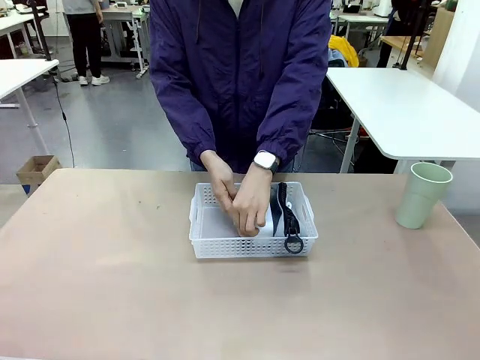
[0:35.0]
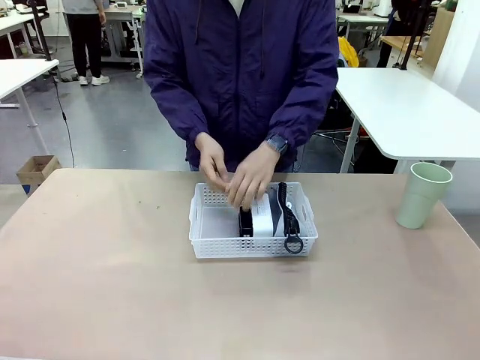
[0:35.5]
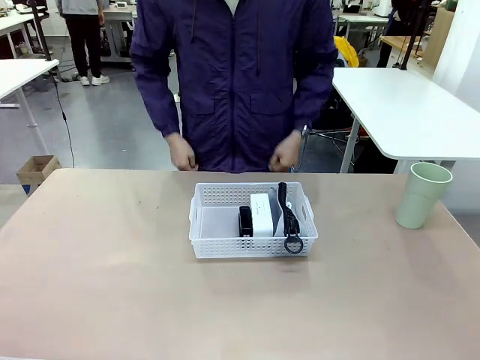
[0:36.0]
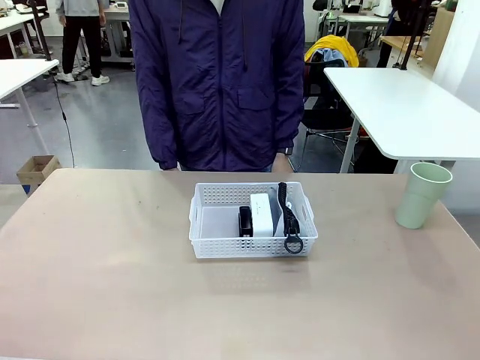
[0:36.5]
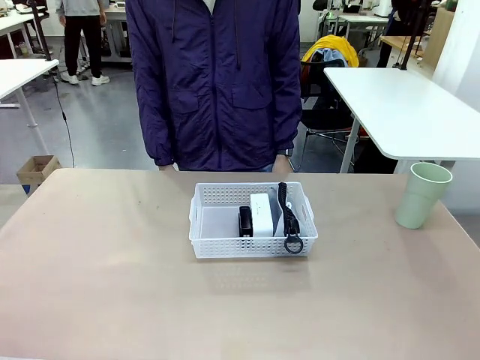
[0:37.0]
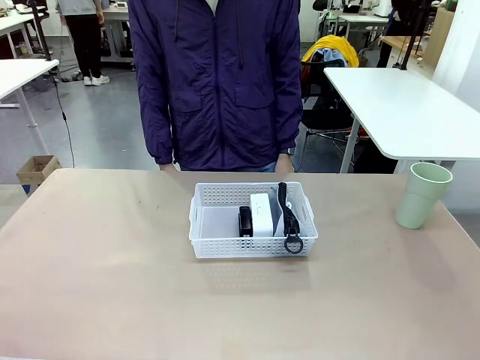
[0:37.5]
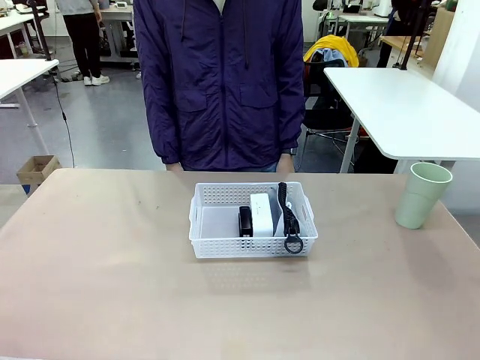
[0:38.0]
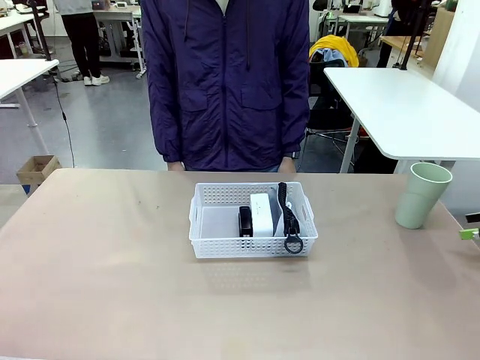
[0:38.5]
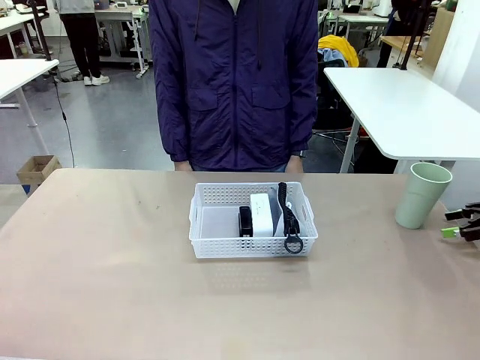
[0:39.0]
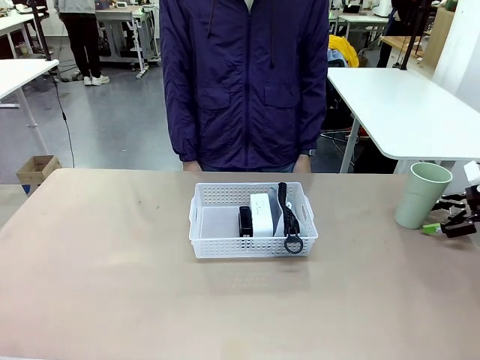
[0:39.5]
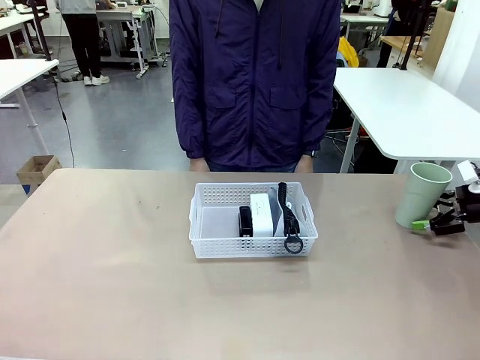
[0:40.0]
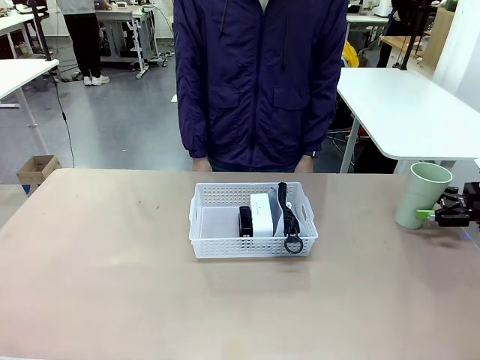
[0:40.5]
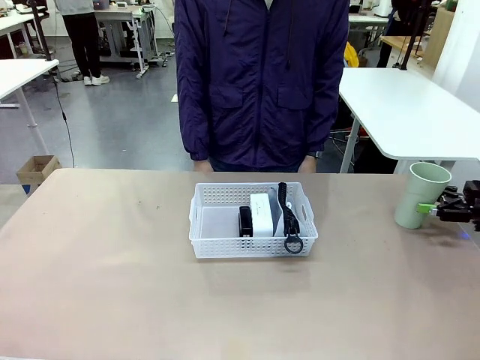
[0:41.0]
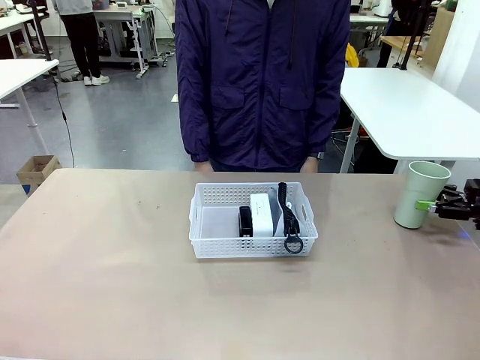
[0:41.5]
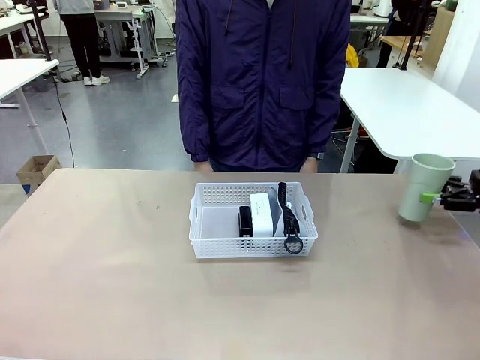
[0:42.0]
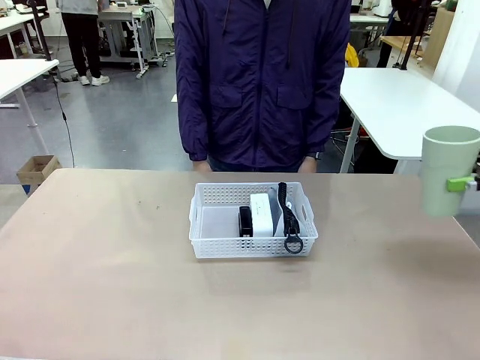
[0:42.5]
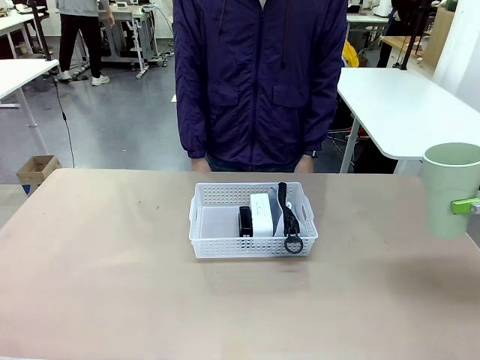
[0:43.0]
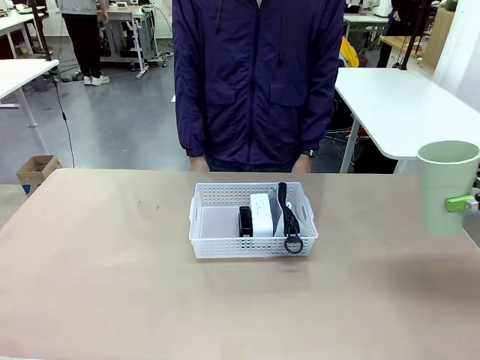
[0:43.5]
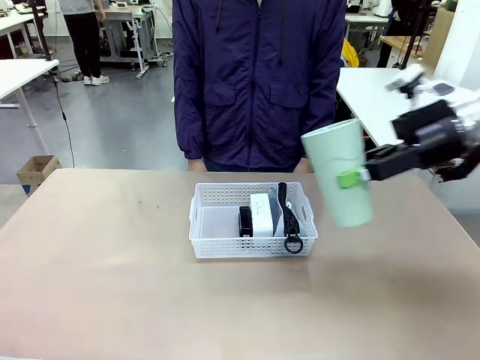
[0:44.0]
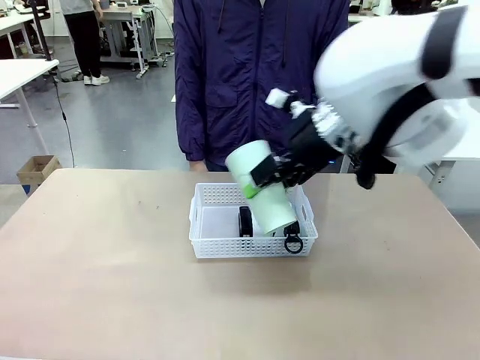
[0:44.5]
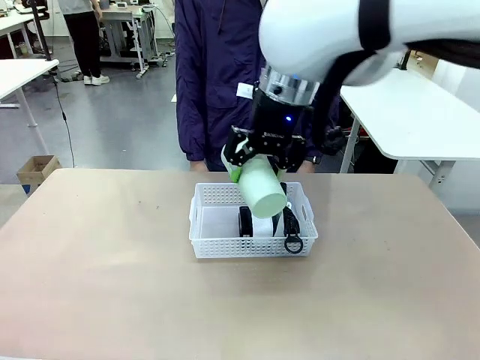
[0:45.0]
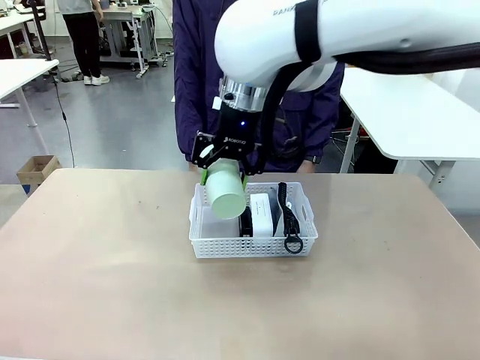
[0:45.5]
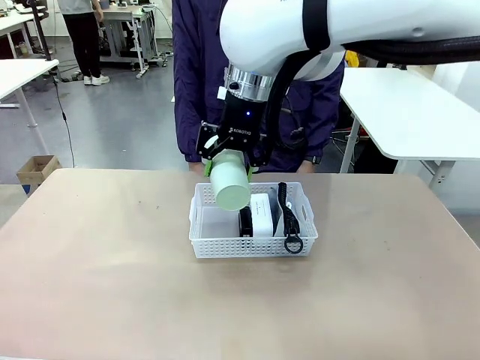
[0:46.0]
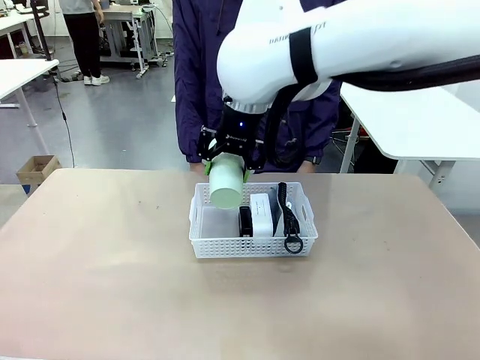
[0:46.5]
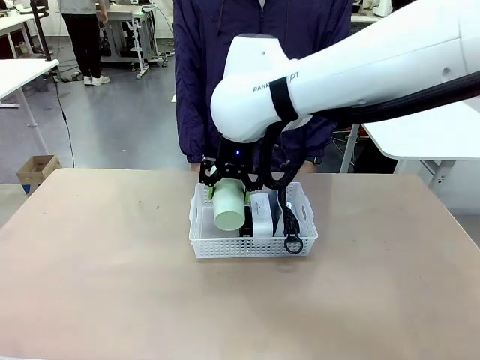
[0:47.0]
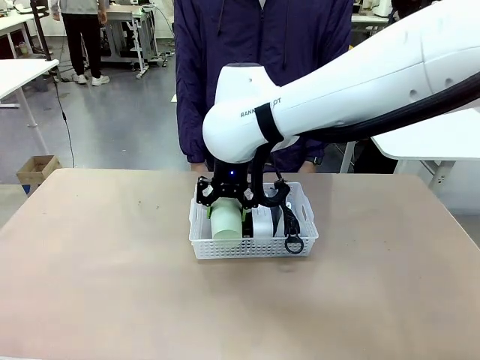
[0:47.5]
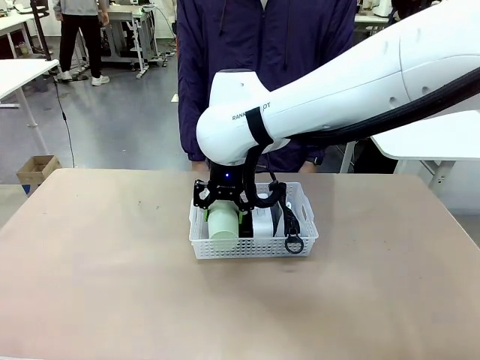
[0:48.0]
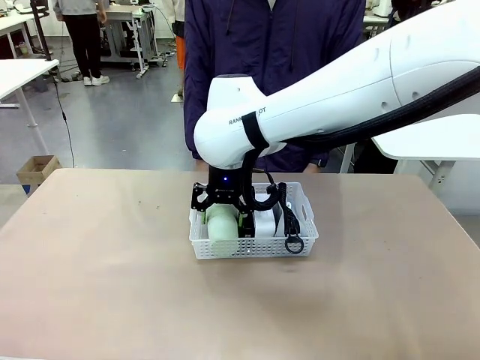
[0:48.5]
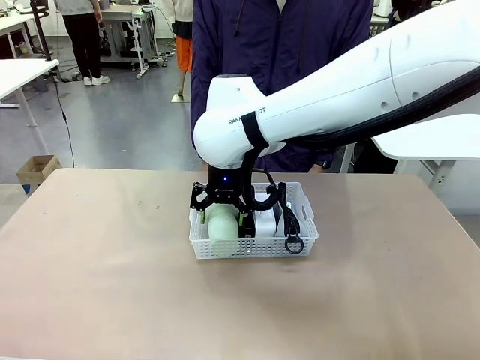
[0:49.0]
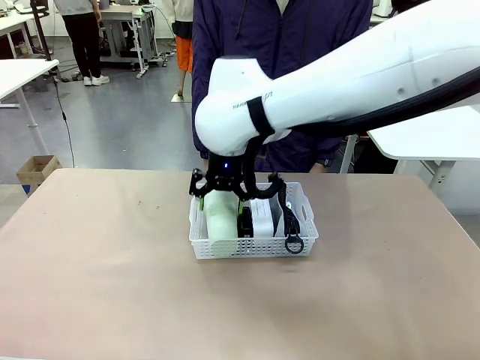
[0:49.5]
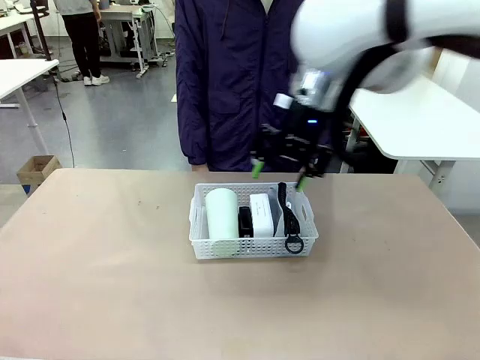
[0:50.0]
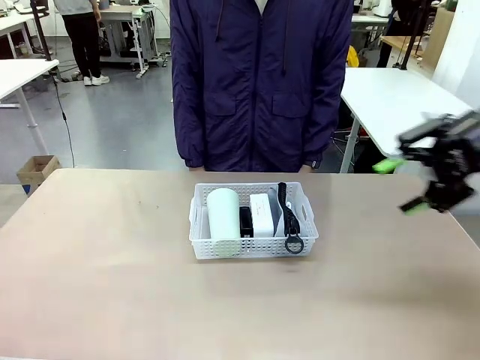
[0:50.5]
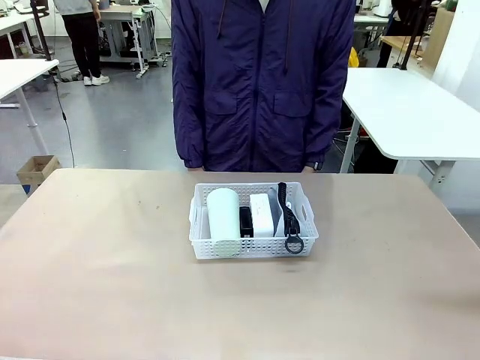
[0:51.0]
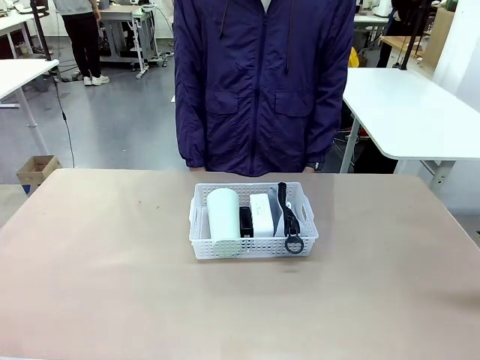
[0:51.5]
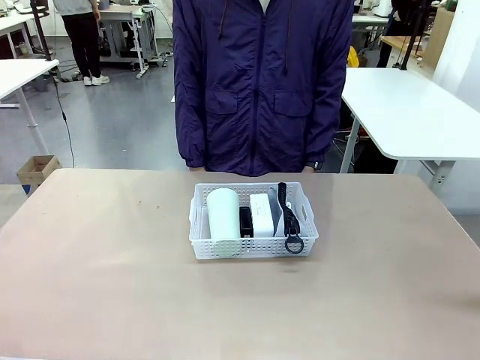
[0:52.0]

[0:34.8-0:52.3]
Task: Efficiently arrange items inside the basket to fit them all.
Robot: Pick up the Reusable plastic cup and place it inside the Organizing basket.
Person: Repositions the stapler.

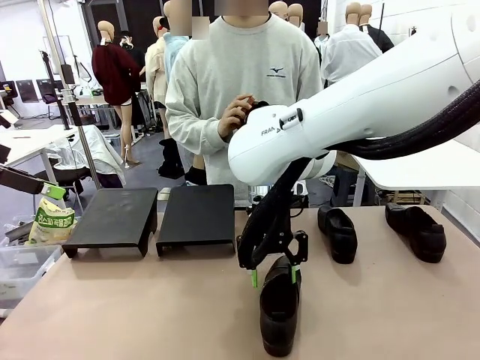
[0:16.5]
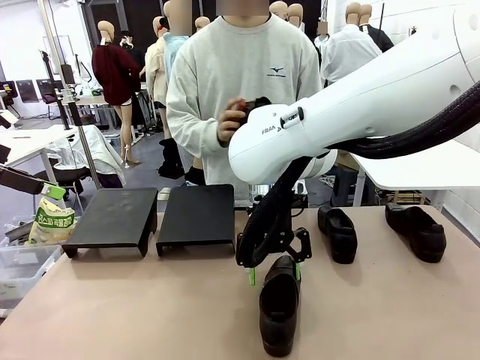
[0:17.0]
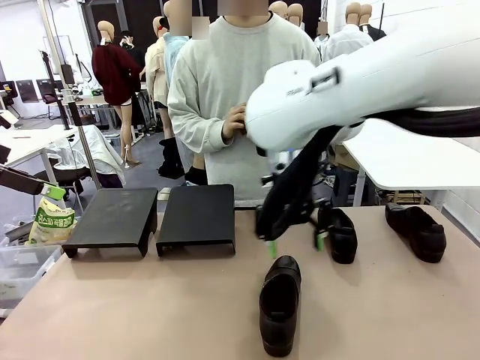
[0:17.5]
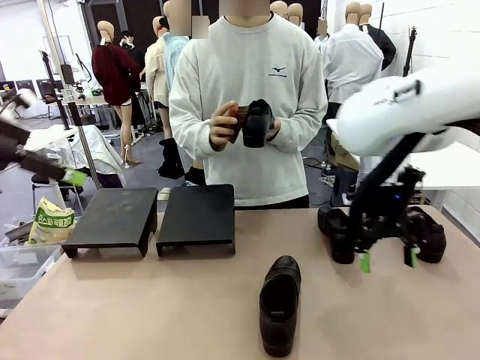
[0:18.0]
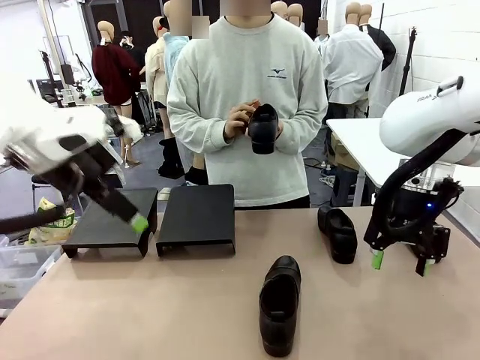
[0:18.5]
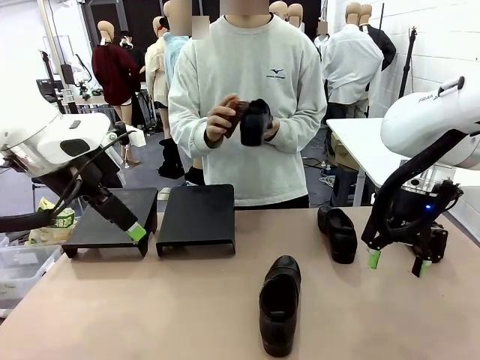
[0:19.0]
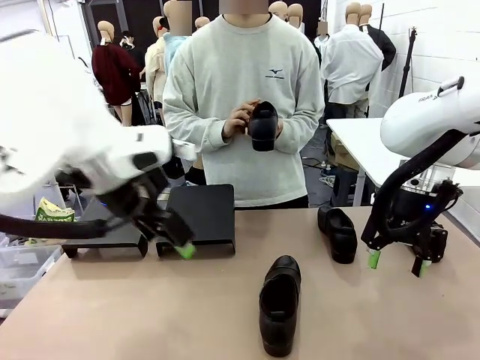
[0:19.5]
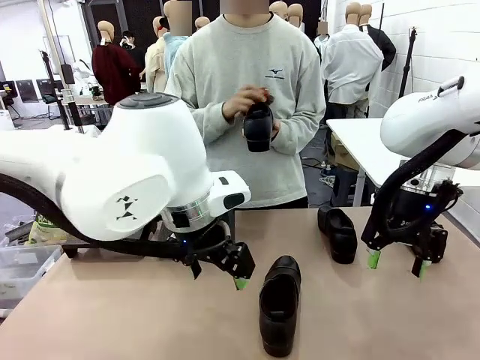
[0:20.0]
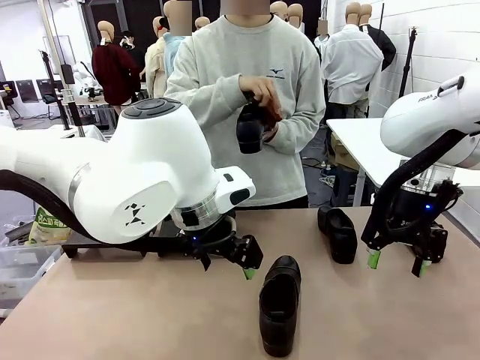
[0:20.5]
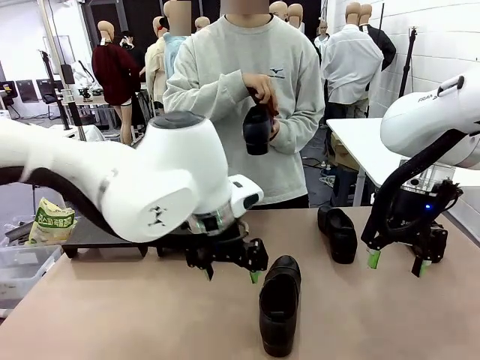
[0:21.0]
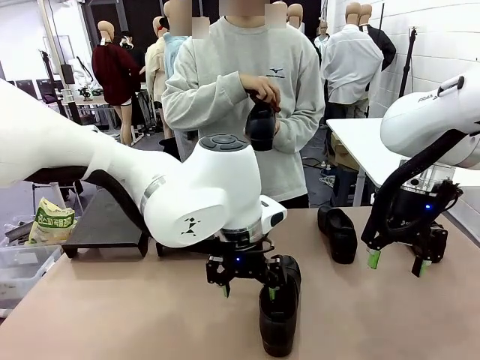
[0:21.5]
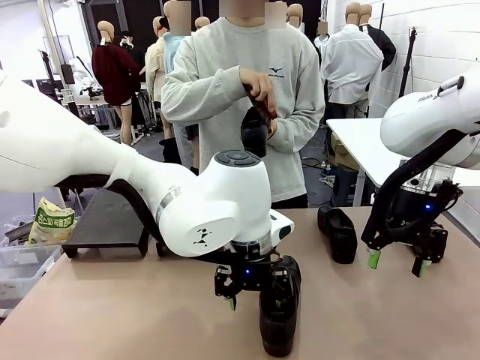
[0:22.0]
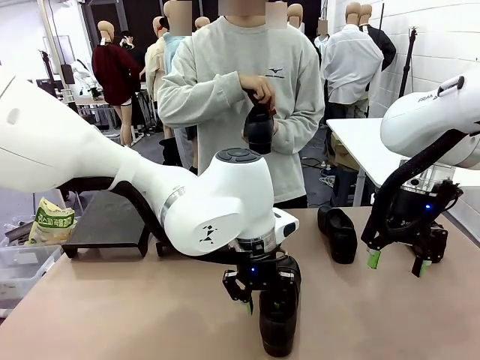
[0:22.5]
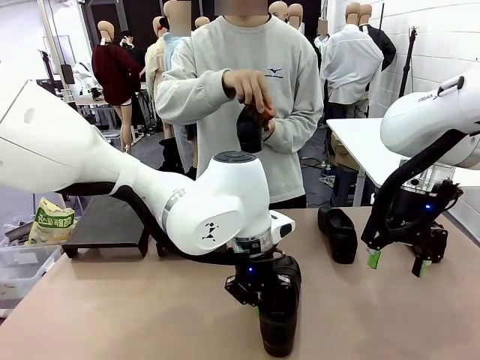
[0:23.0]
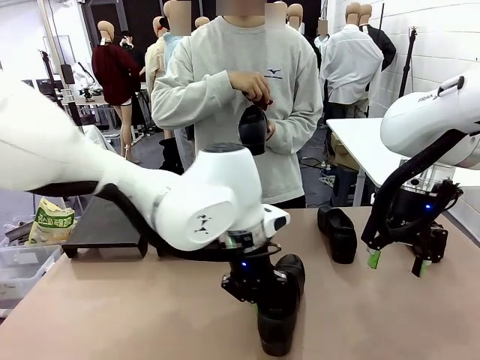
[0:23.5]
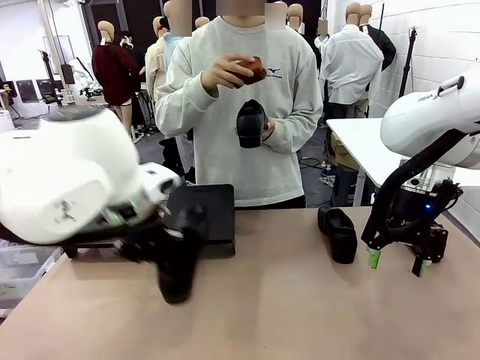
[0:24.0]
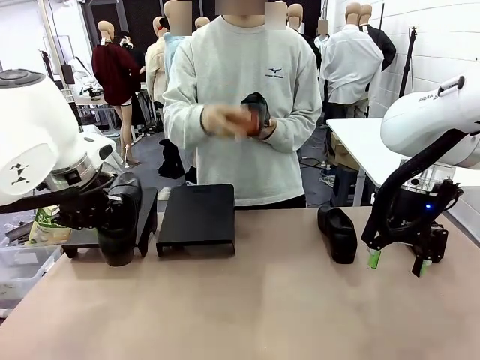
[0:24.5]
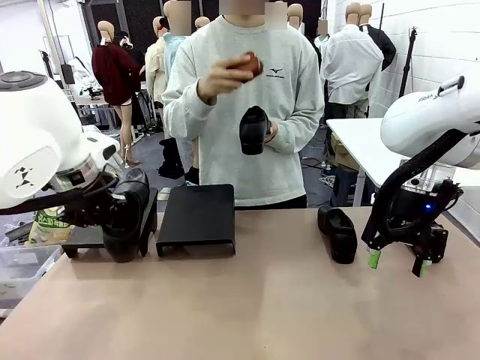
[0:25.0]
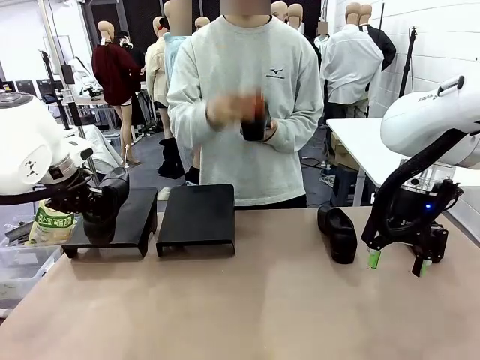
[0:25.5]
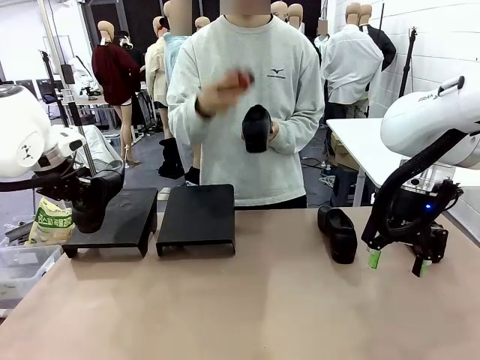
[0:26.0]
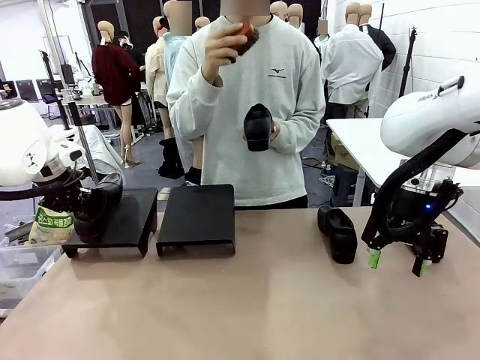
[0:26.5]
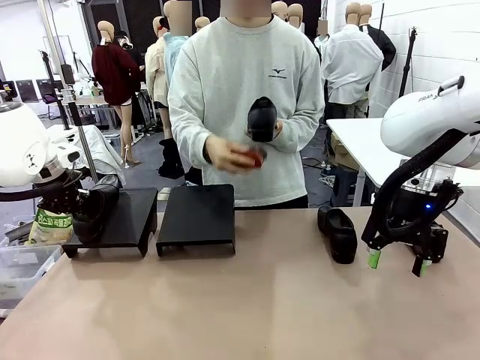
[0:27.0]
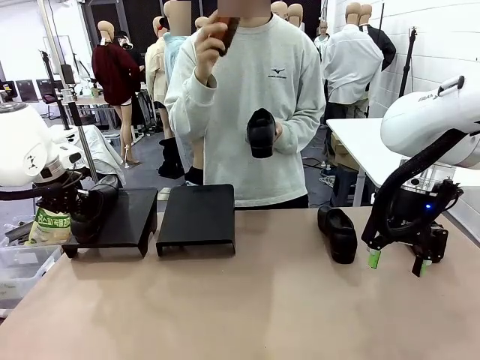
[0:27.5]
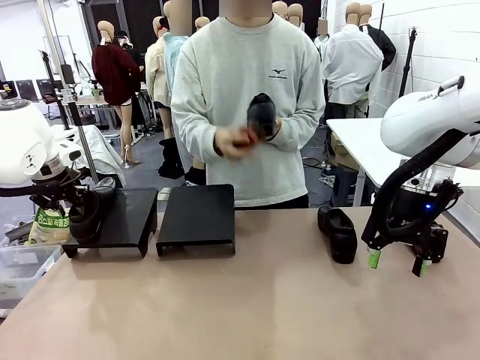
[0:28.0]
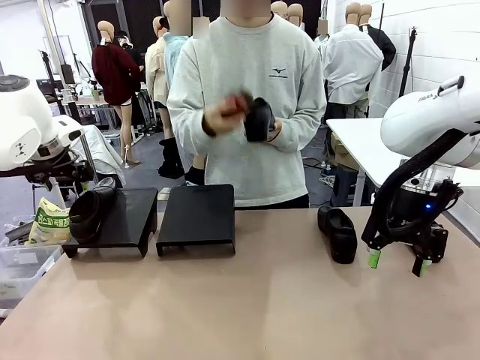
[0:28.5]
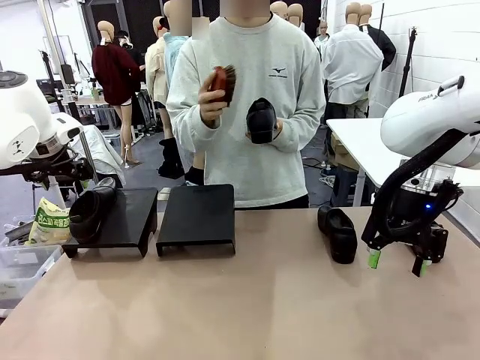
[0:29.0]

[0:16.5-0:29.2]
Task: Organize the shoes by placing them on the stand.
Robot: Place the Shoe from the middle of the table onto the Shoes Stand.
Person: Clean the Shoe with the Shoe Brush.
